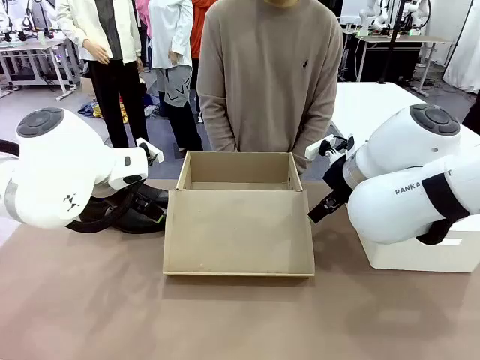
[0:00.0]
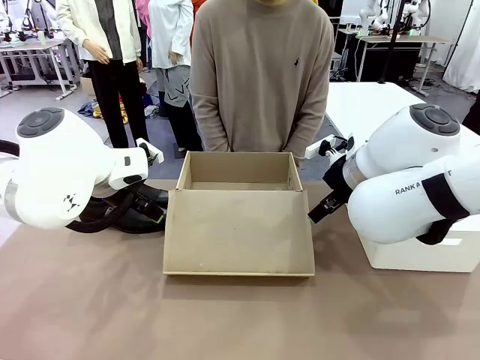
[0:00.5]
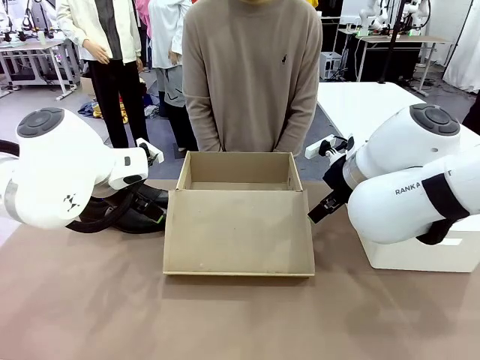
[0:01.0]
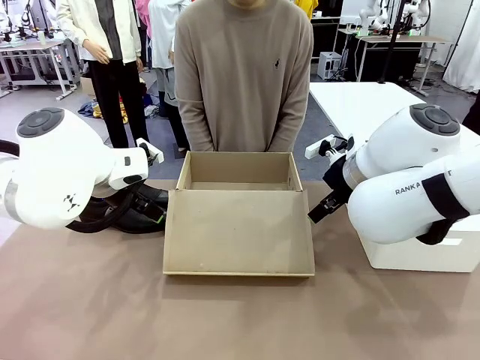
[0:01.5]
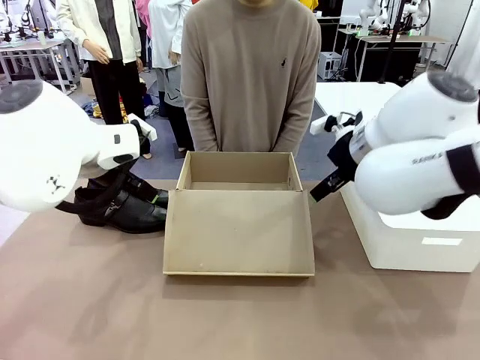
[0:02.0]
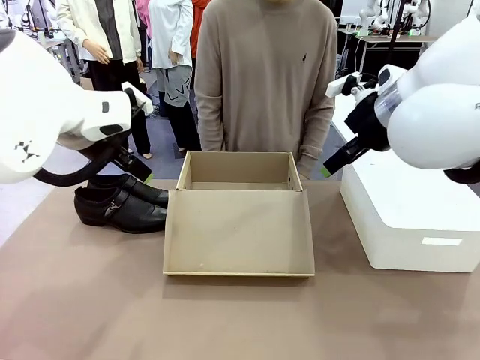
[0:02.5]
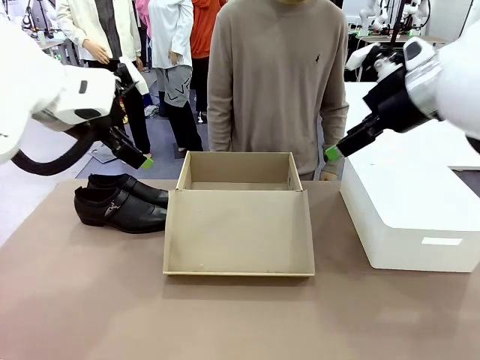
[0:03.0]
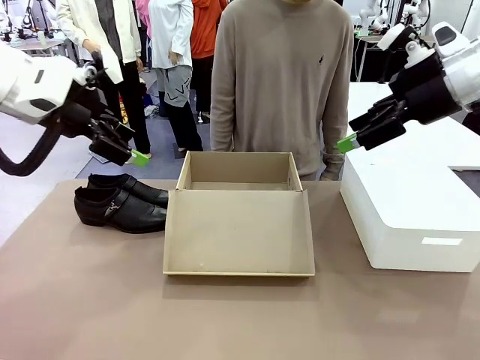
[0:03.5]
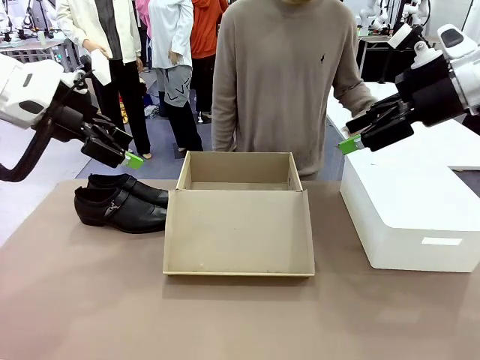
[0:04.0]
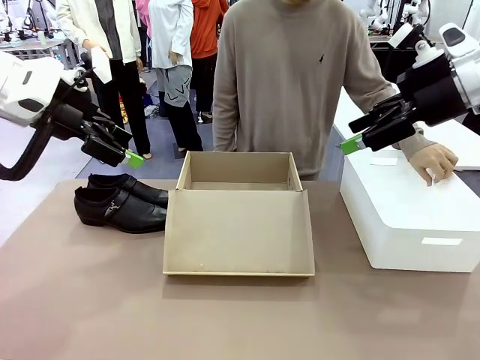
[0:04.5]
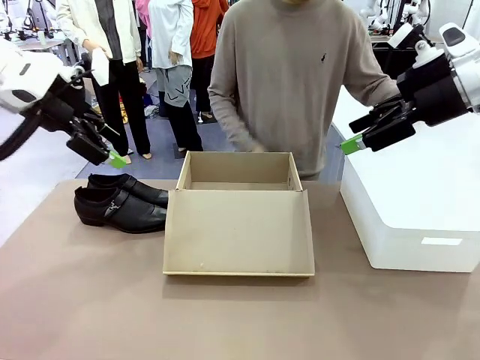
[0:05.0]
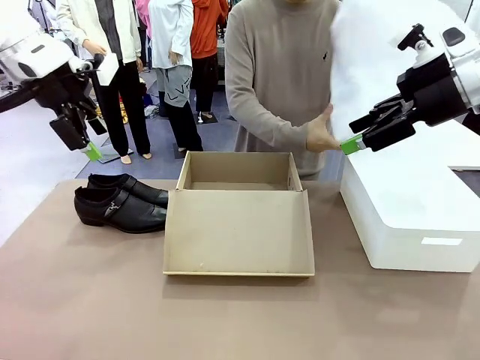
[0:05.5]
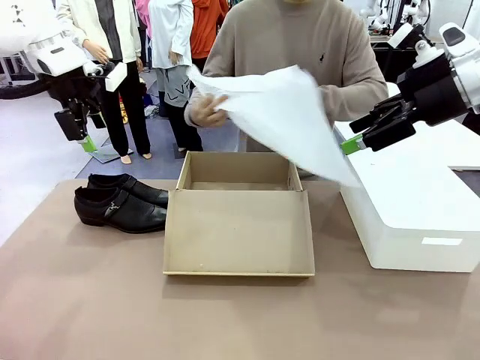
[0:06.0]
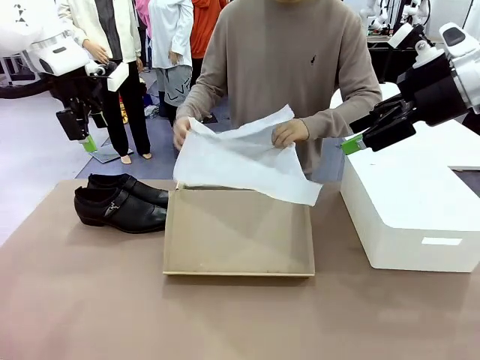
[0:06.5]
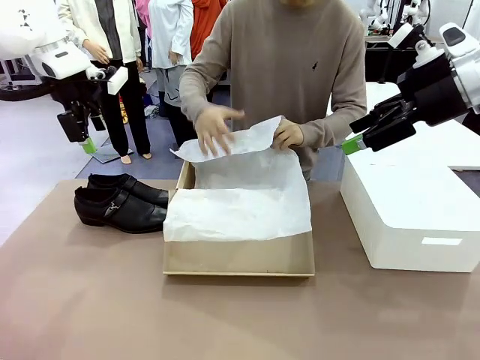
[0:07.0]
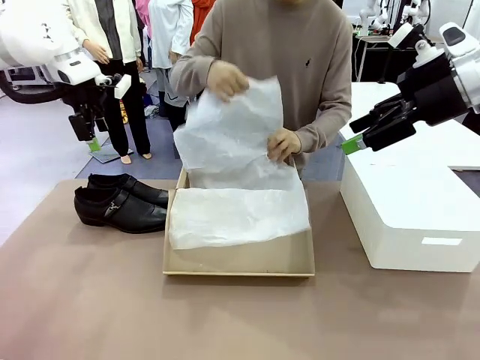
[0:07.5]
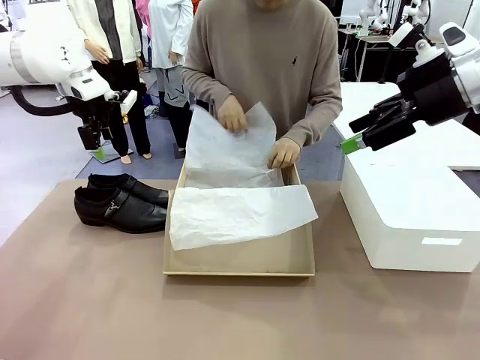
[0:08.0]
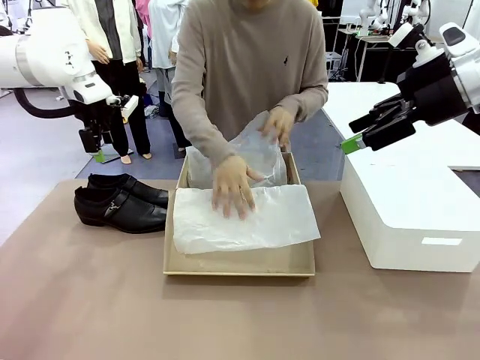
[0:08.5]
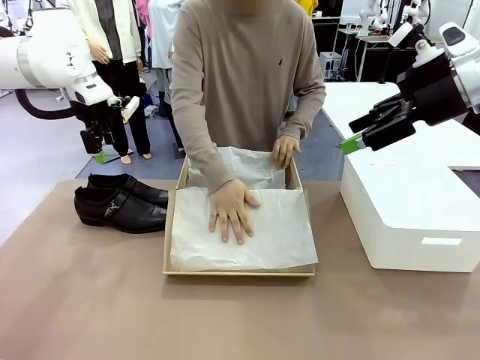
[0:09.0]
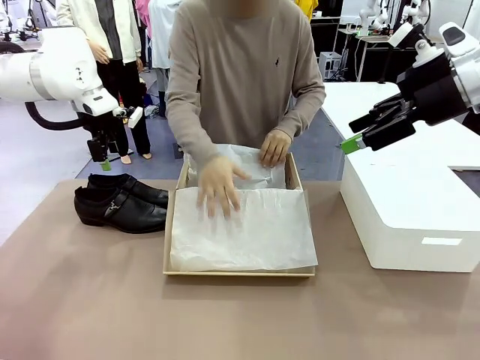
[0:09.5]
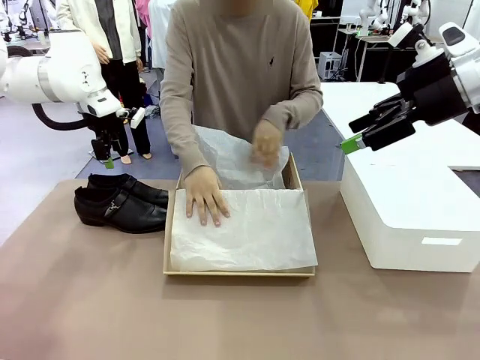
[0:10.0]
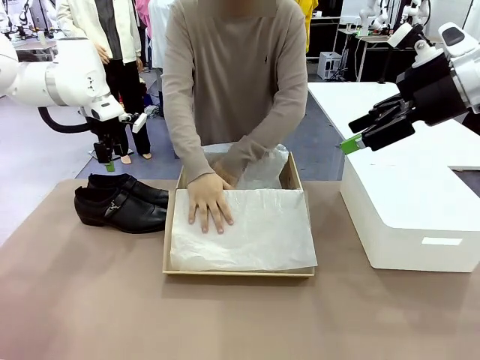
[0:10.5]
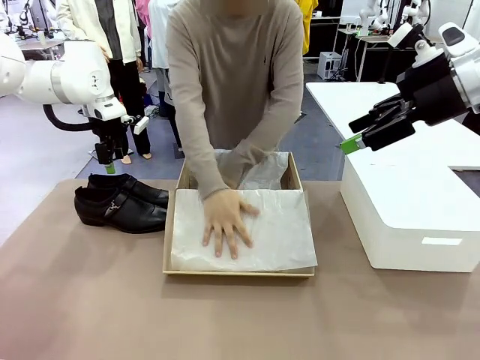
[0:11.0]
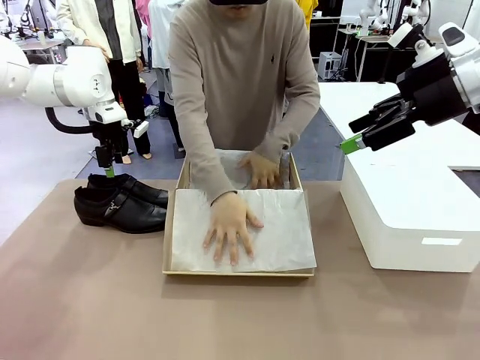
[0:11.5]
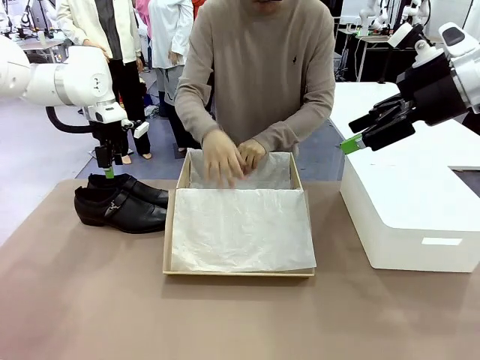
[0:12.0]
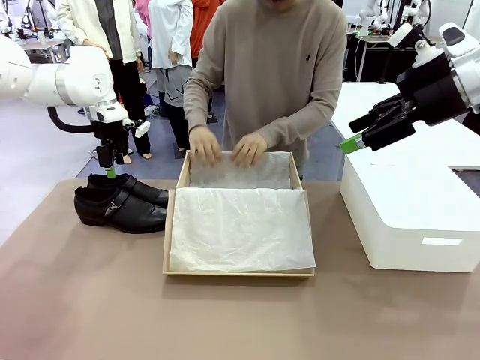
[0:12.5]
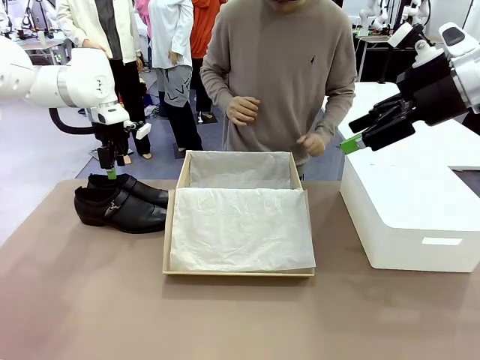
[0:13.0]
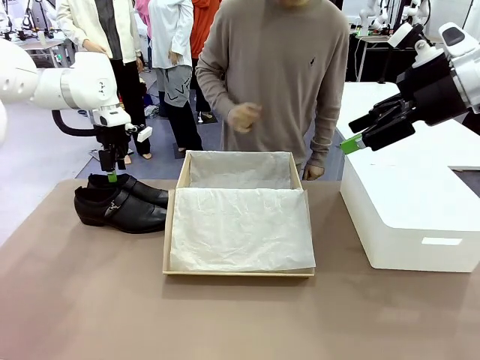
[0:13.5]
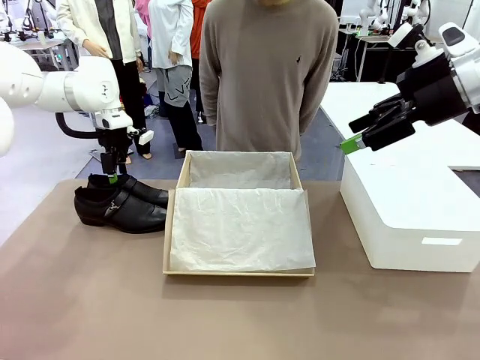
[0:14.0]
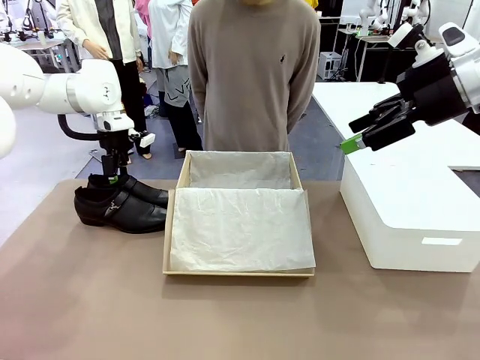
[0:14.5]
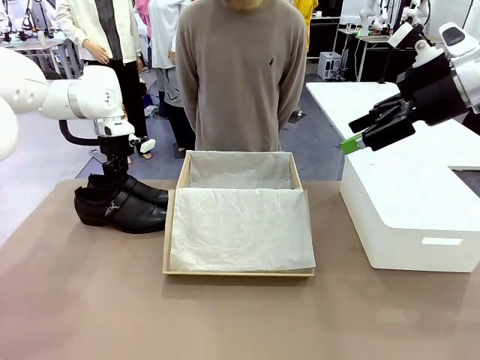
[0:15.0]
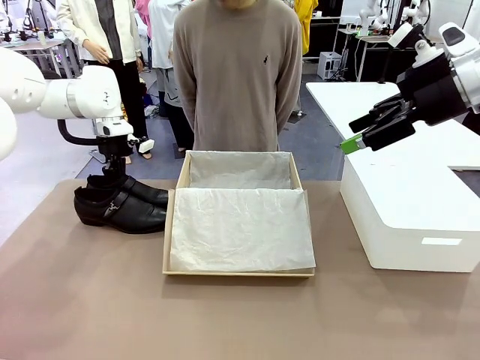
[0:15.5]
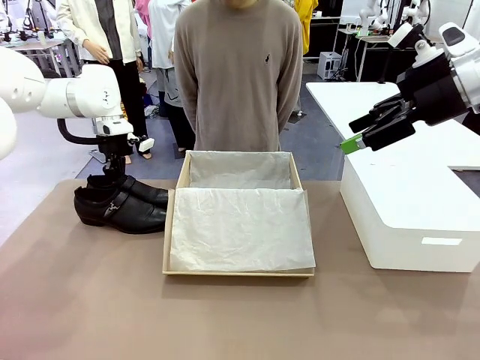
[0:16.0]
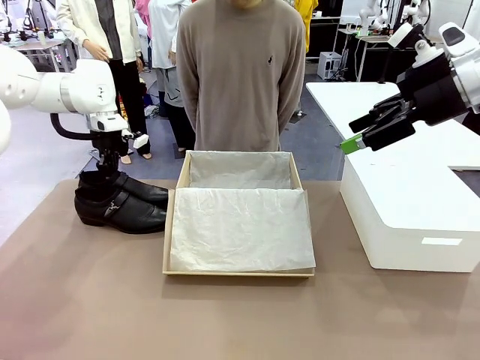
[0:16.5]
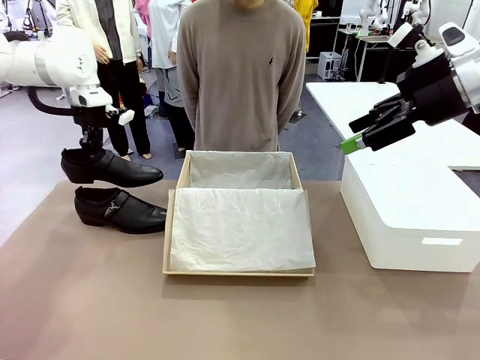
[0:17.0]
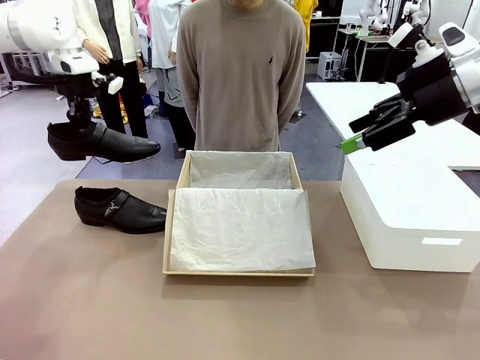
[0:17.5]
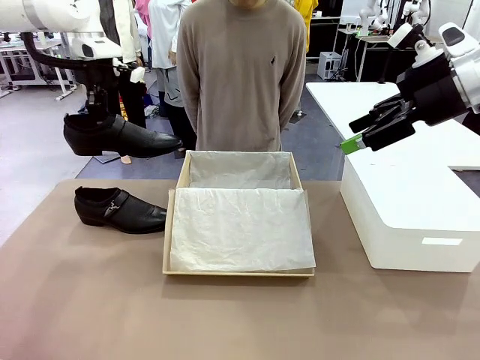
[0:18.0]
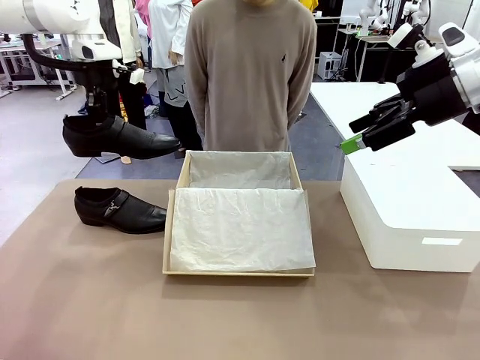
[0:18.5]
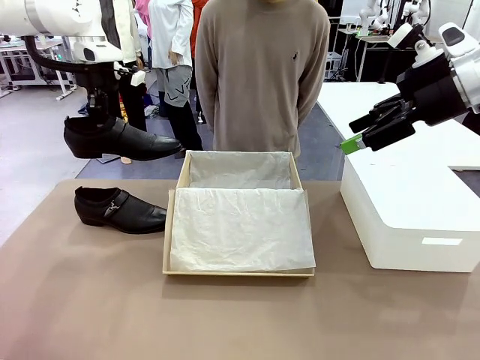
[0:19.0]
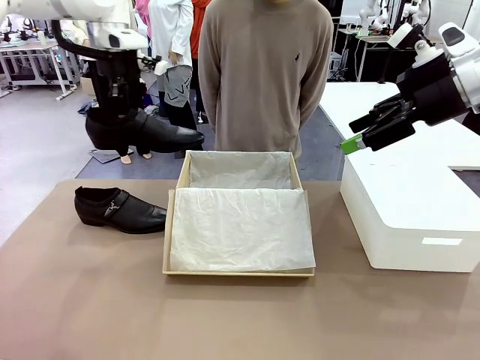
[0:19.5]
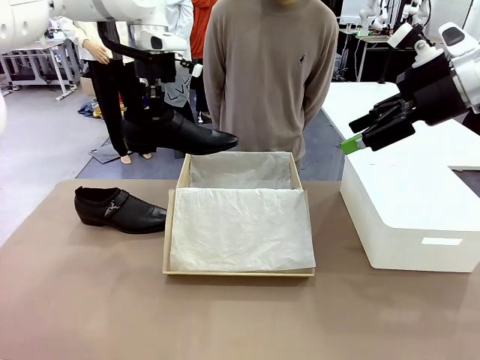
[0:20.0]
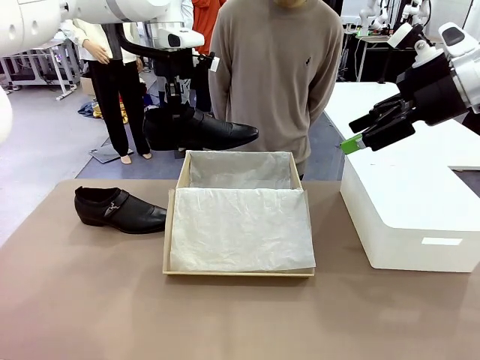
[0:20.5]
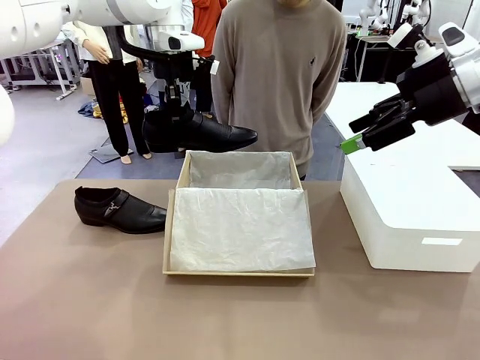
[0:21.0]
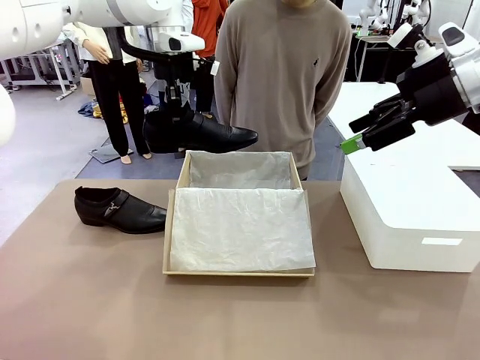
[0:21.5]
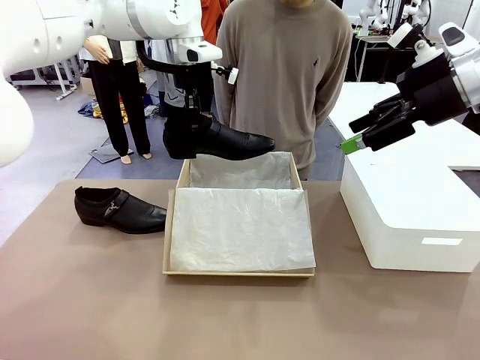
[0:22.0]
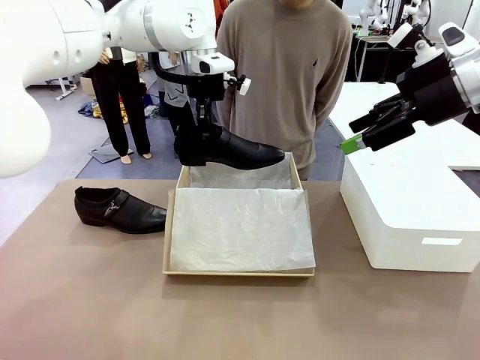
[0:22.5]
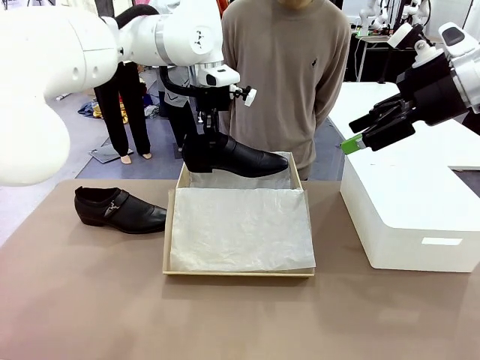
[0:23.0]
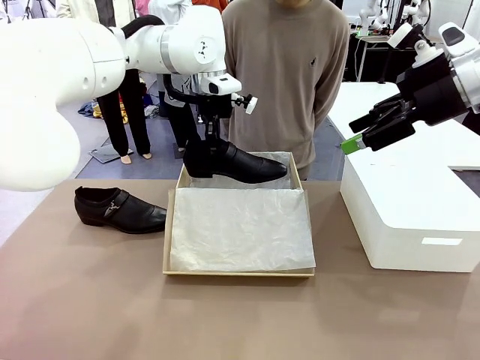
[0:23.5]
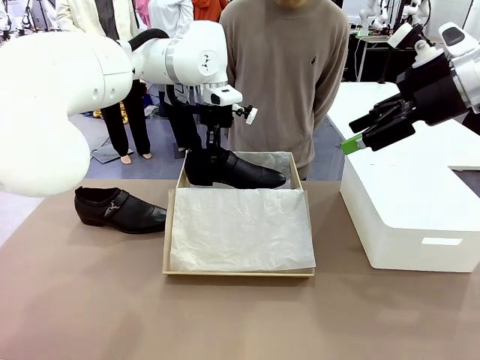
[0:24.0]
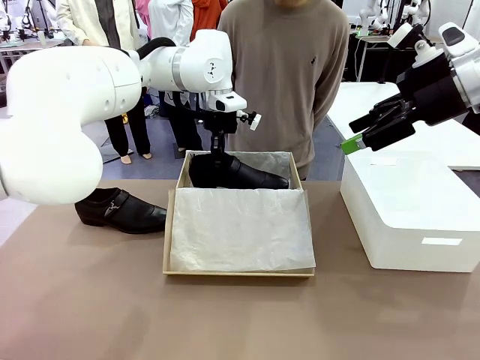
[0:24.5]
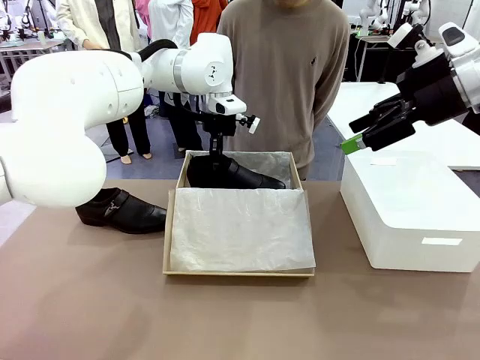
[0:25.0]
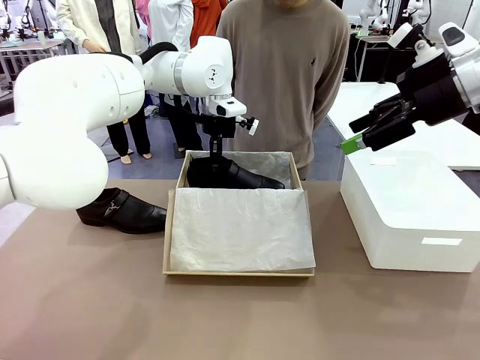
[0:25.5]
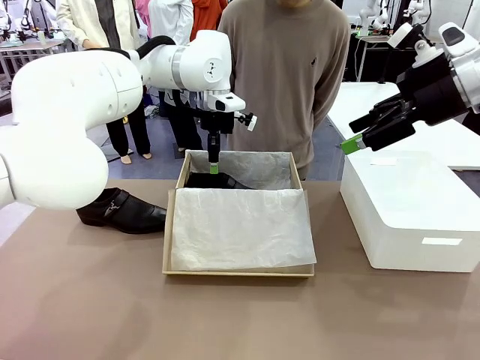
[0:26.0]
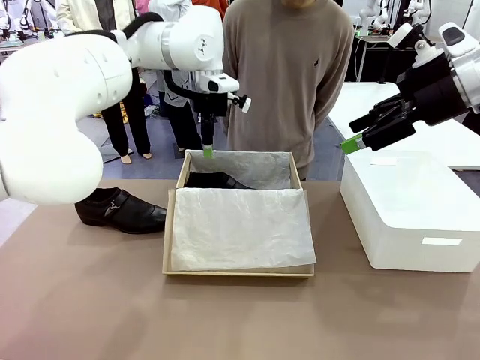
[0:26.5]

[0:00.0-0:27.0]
Task: Pack the shoes into the box.
Robot: Place one shoe of the Shoes into the Shoes Box.
Person: Spread Shoes Wrapping Paper and place inside the Shoes Box.
